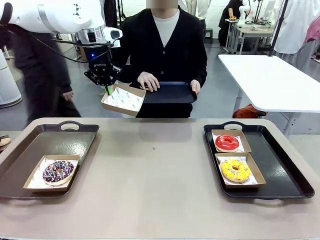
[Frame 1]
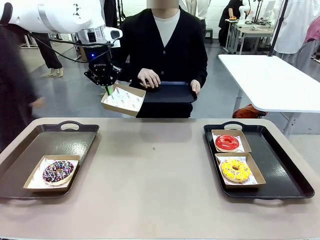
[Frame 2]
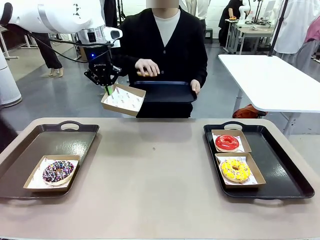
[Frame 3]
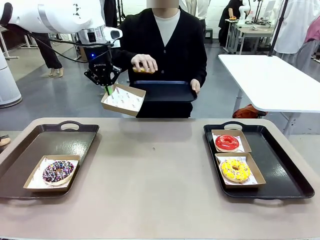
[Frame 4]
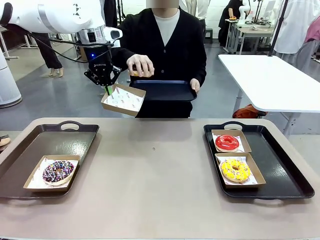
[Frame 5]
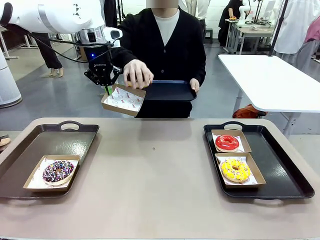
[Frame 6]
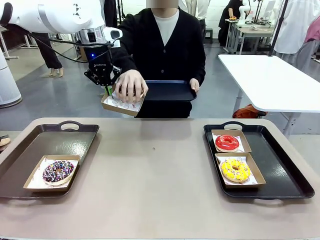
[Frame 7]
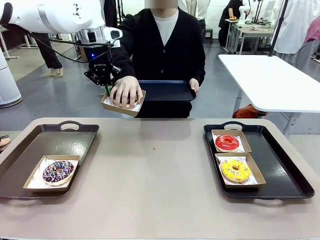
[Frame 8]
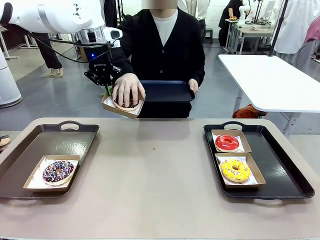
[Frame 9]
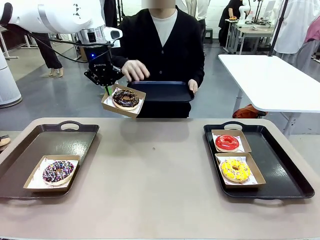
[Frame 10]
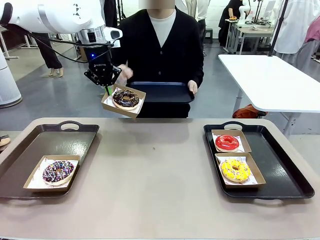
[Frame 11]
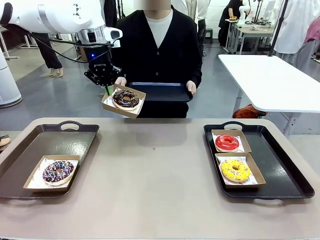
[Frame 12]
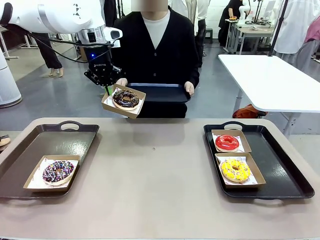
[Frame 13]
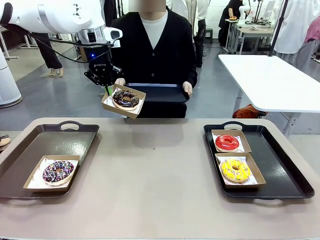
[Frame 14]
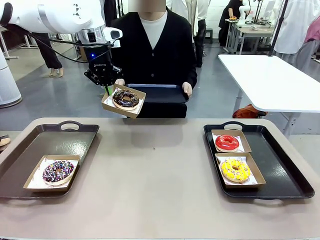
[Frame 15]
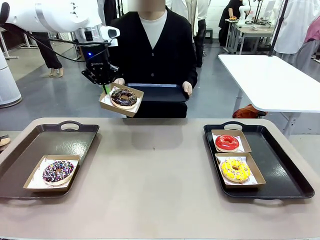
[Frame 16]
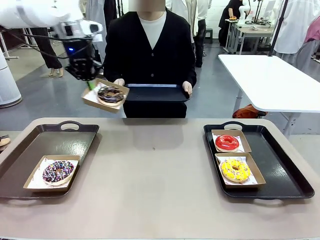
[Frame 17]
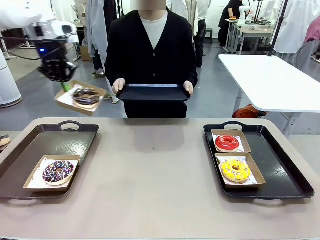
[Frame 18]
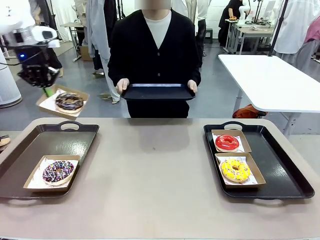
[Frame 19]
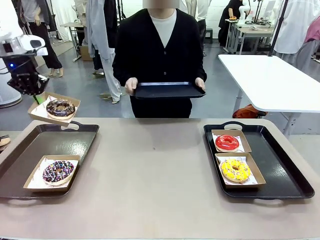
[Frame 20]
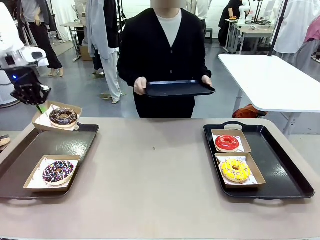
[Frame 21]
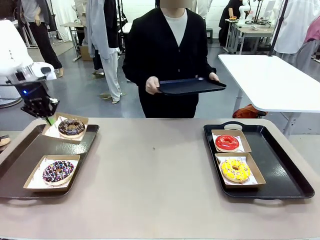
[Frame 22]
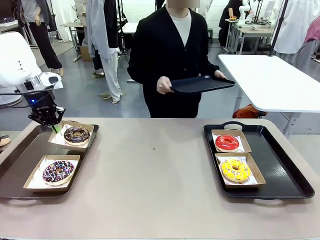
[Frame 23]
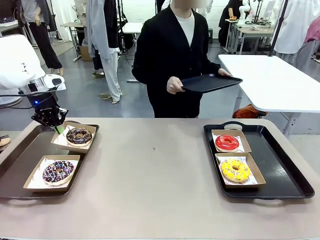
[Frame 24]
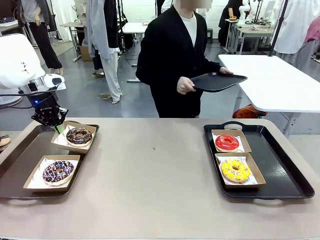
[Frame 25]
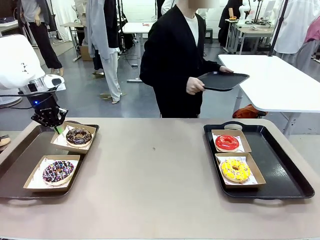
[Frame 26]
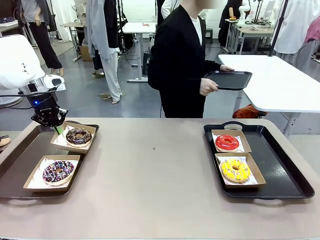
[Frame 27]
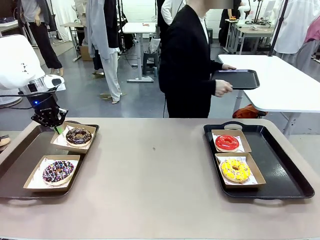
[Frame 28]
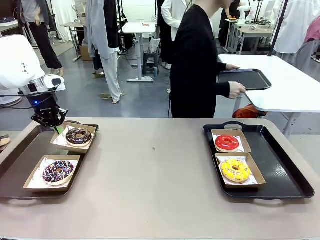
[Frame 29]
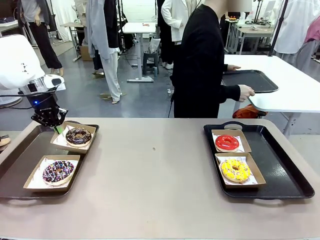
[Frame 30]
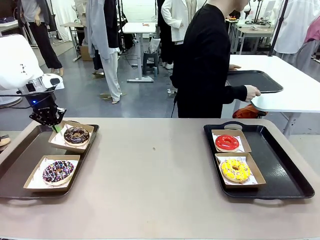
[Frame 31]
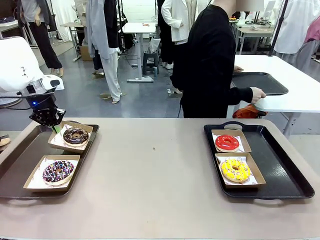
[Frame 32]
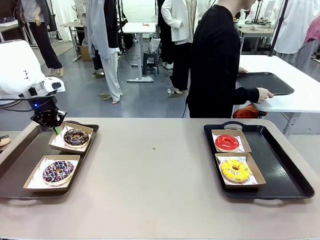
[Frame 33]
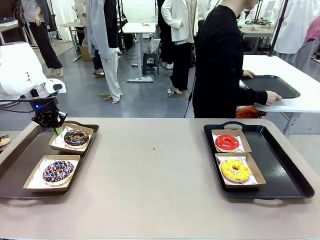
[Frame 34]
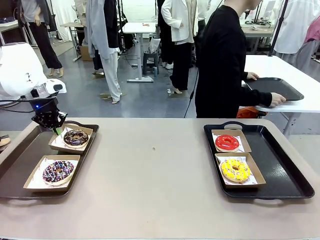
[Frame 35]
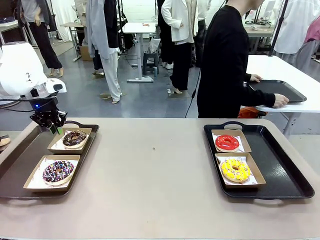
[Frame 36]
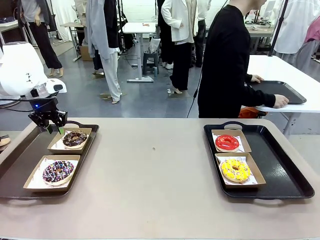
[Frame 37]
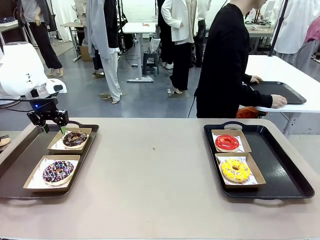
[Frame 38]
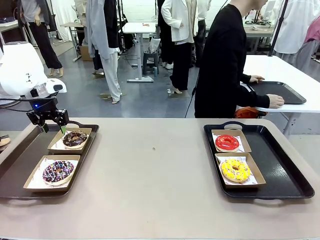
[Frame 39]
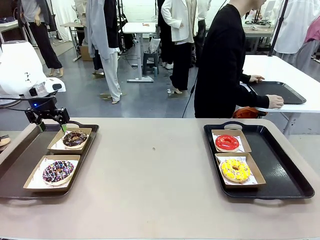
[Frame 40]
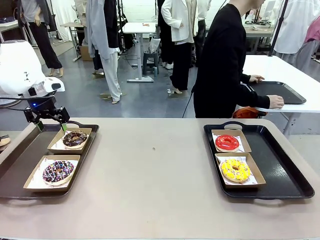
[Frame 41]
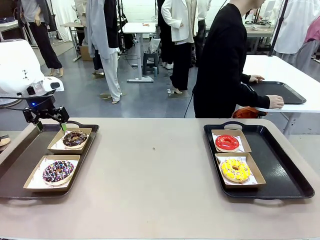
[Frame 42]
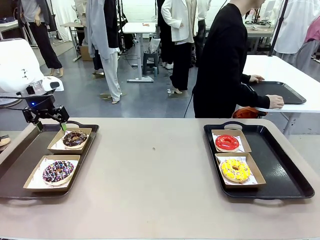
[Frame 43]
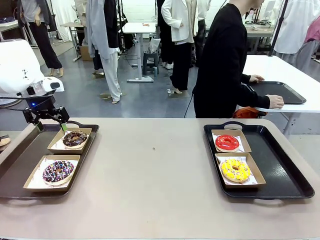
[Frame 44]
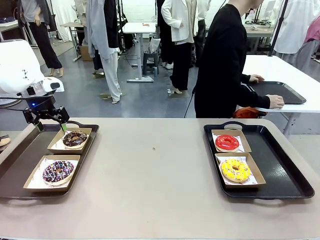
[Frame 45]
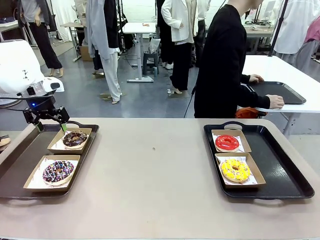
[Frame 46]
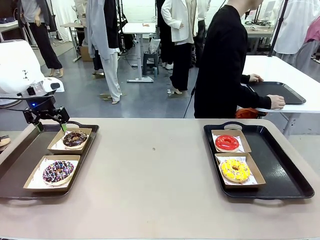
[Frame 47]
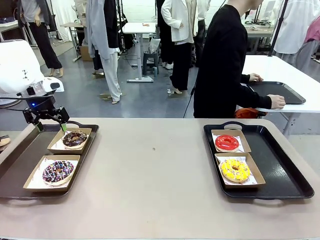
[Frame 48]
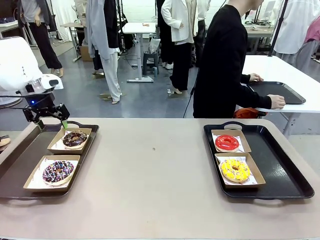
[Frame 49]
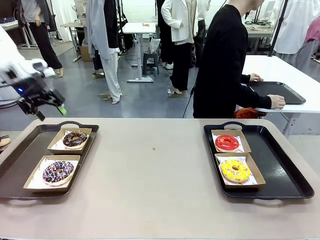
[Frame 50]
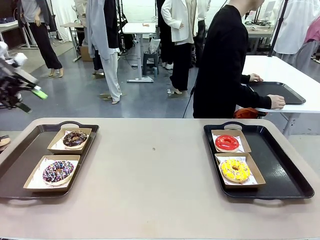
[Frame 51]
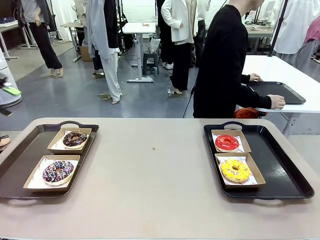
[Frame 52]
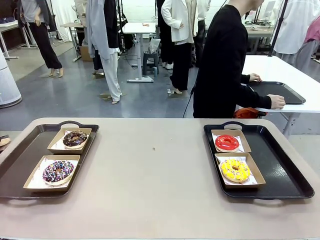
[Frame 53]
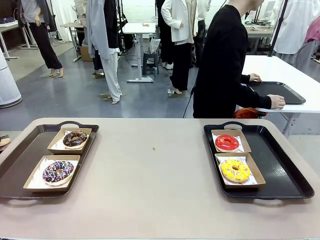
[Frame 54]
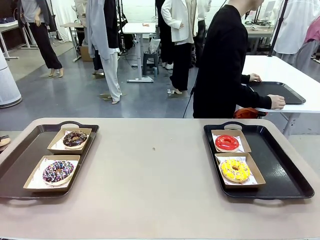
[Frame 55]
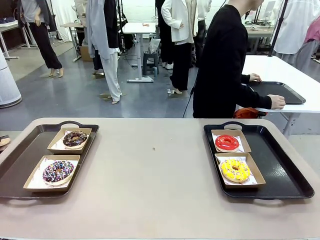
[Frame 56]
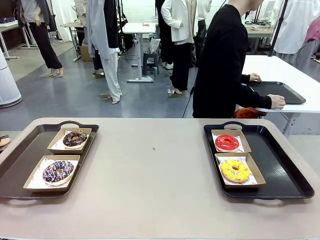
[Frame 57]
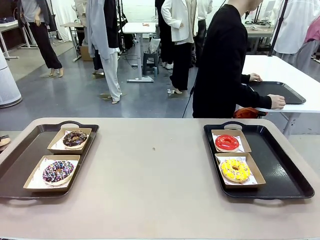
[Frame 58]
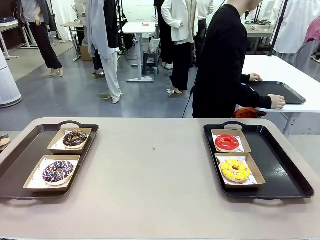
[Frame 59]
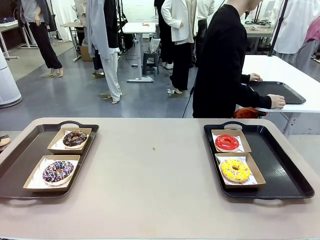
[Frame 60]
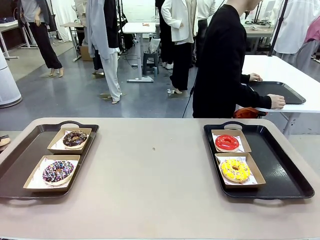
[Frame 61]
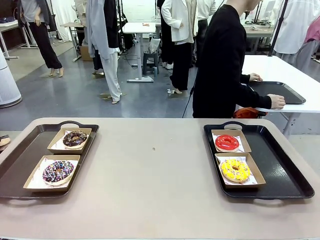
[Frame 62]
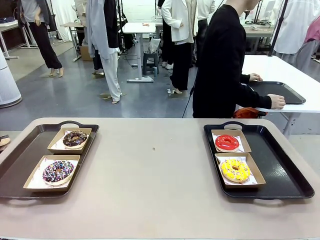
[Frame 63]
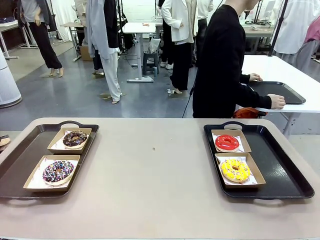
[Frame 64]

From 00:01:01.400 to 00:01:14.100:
Task: Individually package the donuts and arrange them on the tray.
Robot: Place the picked Paper togo box on the Handle tray.
Person: Place the tray down in the middle of the human table.
